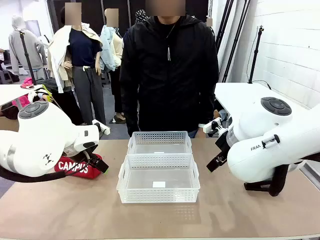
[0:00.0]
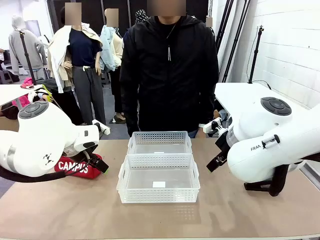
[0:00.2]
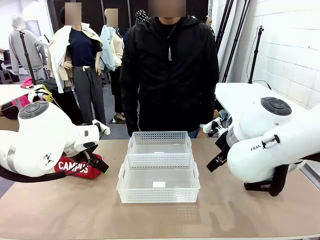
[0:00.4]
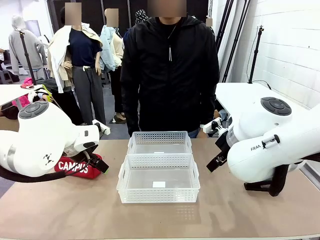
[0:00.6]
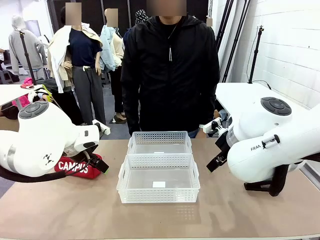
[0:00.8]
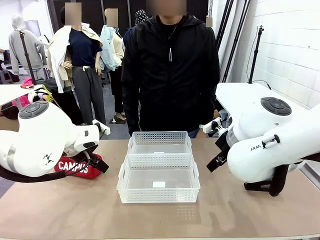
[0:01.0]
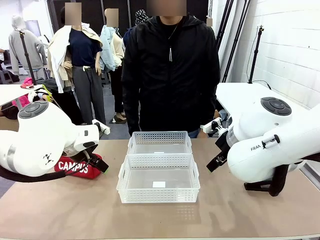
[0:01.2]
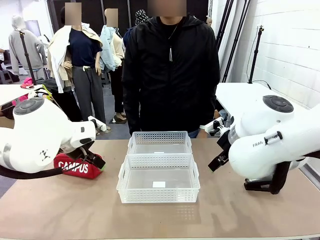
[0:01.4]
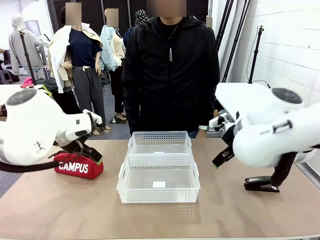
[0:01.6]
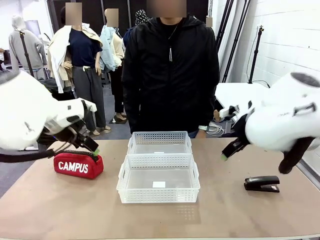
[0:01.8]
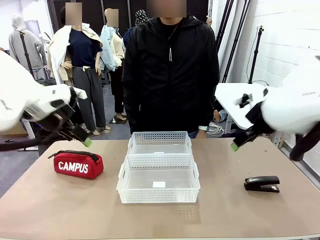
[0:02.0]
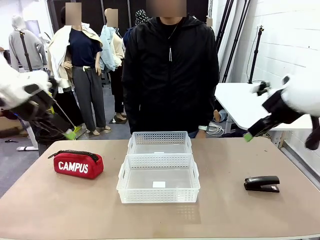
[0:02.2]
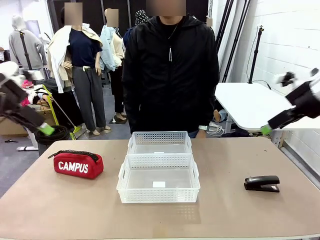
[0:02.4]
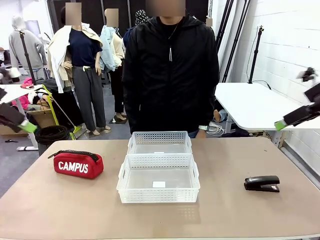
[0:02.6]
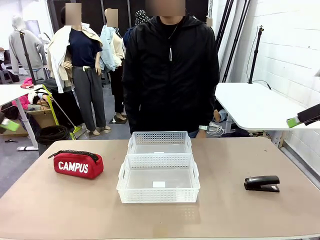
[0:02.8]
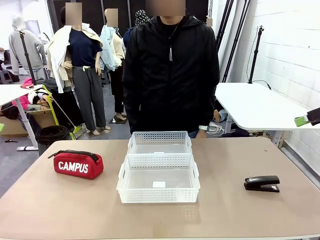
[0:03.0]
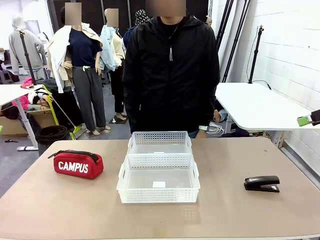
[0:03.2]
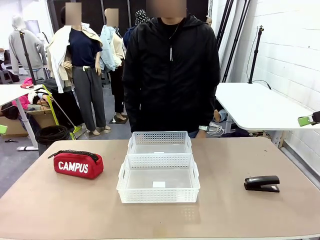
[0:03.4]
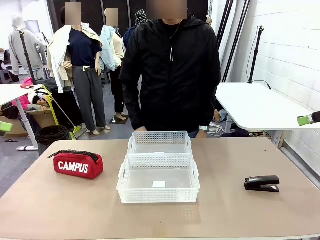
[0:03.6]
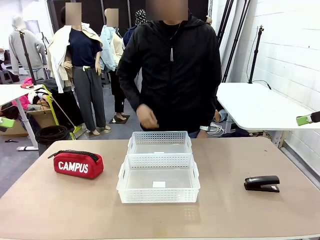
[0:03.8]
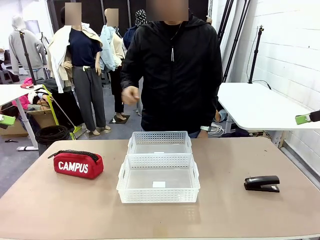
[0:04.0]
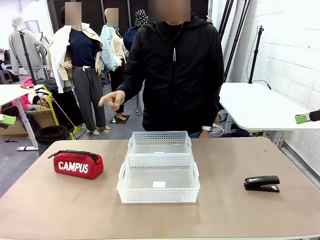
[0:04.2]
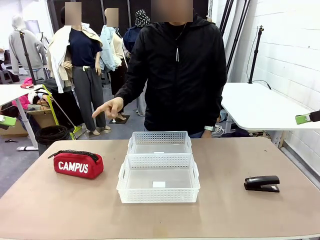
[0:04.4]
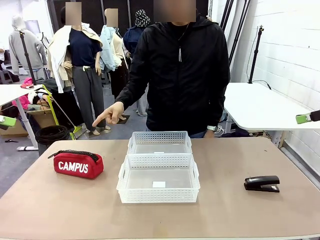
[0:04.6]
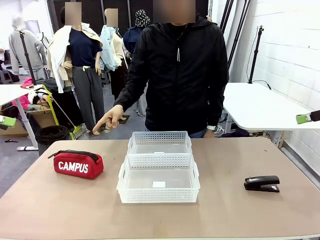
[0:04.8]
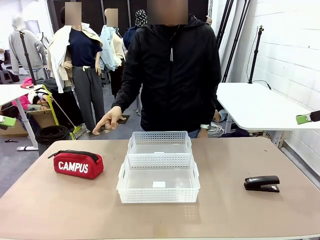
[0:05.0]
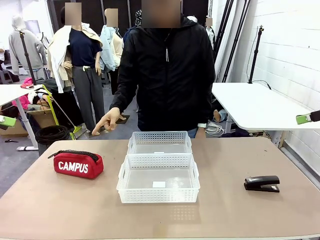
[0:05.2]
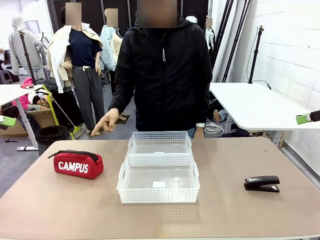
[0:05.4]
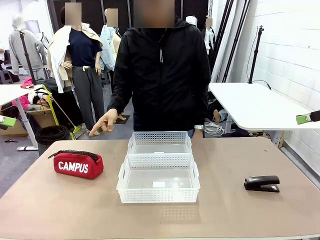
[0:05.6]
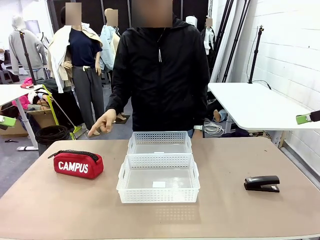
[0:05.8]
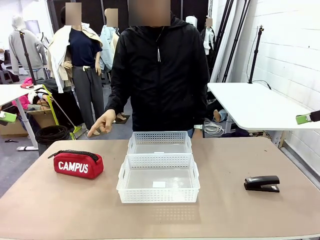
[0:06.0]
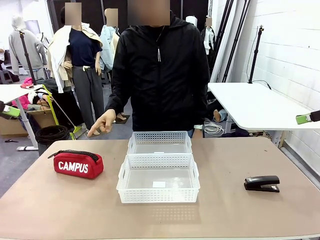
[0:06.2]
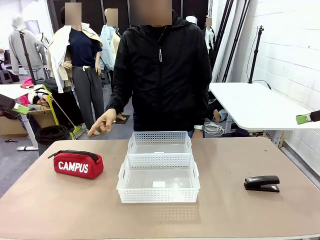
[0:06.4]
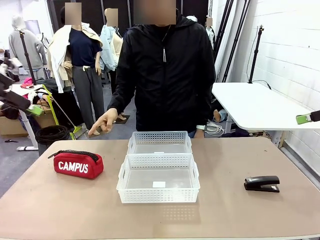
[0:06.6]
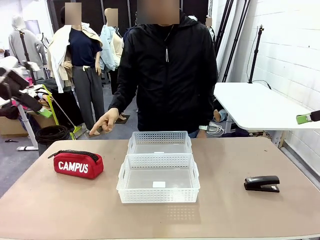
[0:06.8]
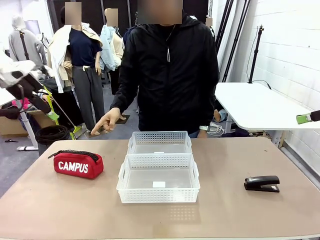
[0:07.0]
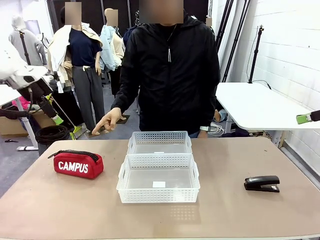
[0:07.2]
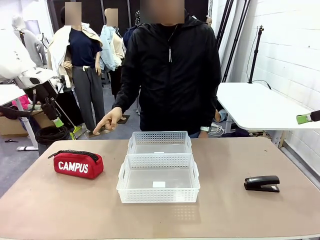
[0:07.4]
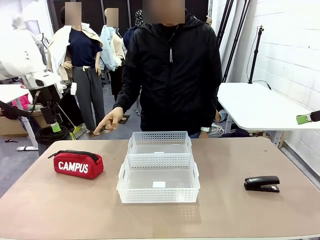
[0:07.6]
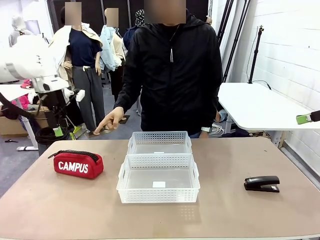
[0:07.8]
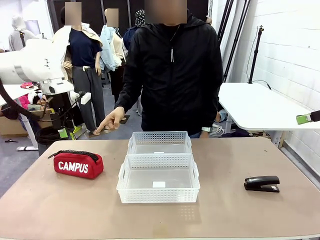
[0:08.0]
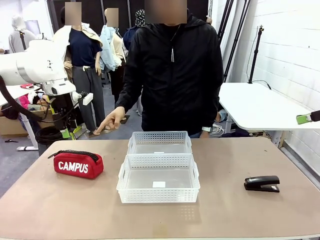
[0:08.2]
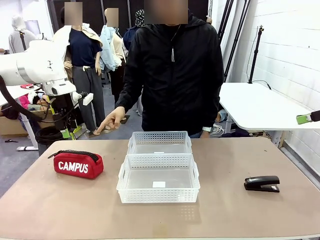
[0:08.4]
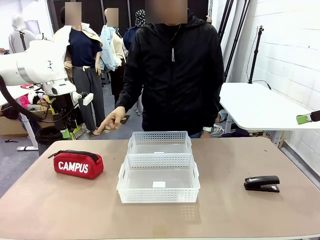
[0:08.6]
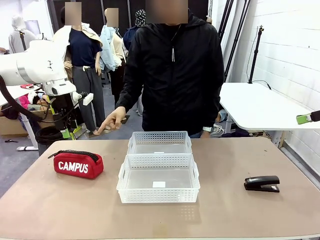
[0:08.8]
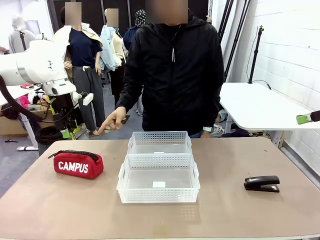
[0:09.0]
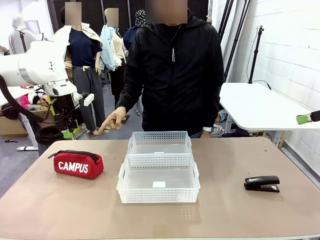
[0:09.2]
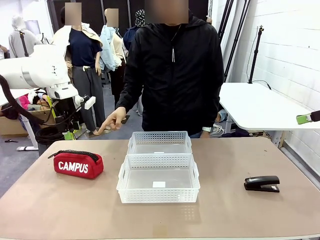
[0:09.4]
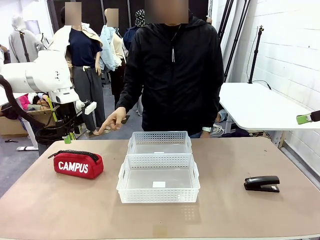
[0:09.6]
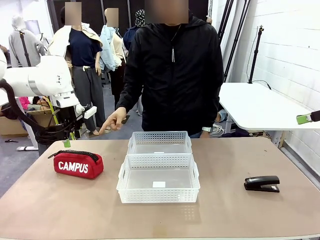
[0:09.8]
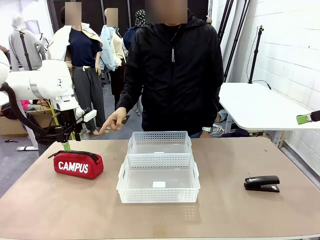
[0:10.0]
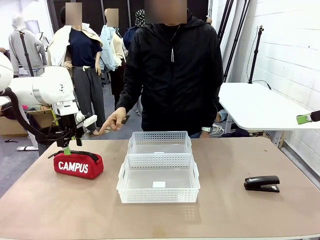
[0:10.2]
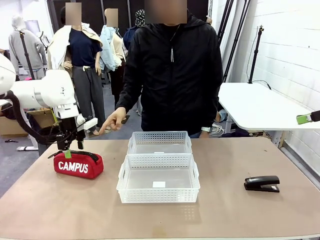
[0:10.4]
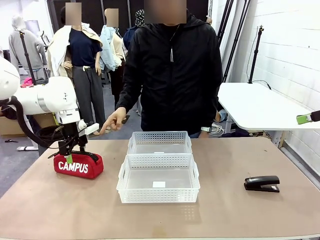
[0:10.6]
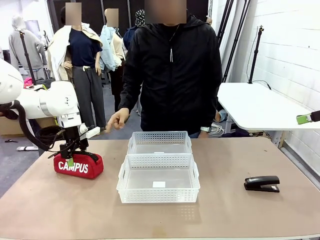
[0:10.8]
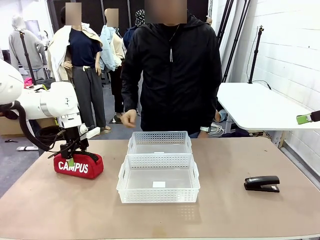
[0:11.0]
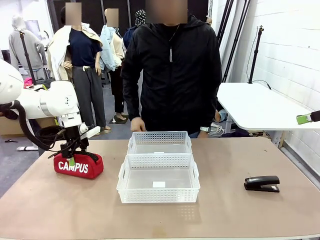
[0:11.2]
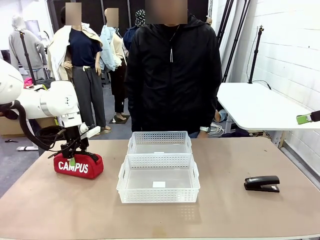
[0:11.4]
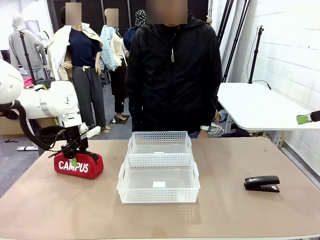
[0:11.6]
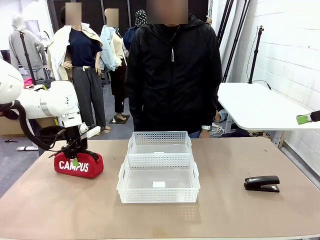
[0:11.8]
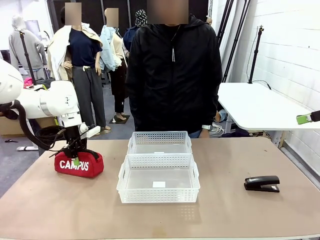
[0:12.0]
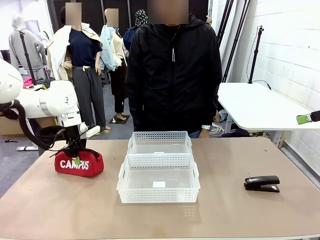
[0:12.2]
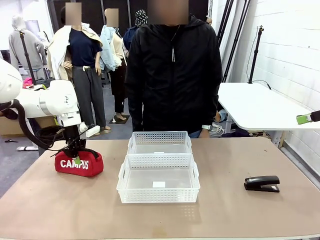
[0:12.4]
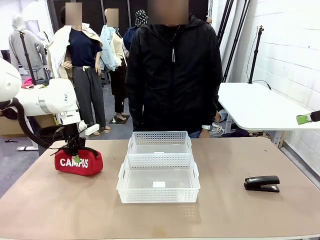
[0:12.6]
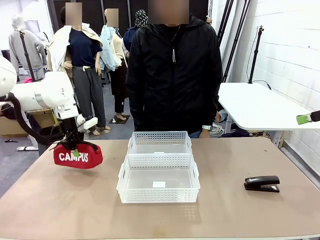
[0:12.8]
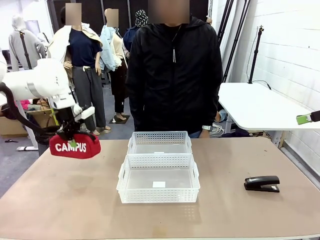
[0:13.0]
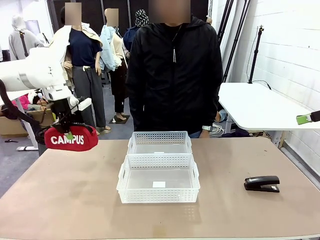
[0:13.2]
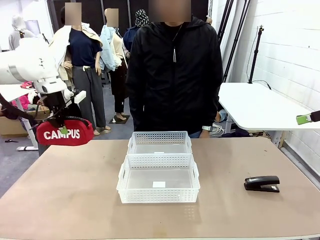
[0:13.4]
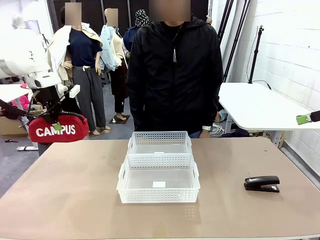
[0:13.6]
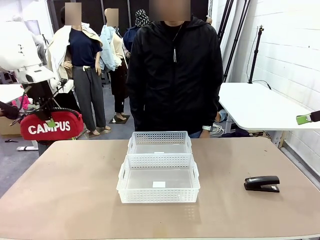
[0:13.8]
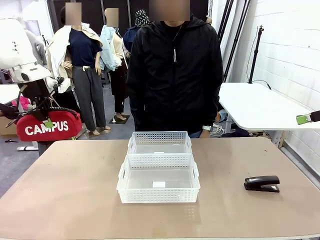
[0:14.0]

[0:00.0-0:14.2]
Task: Distribute items into two baskets.
Robot: Pick up the Pencil pouch that the person points to.
Person: Points to the pencil case. Points between the two organizing baskets and instructs the robot to move the pencil case.

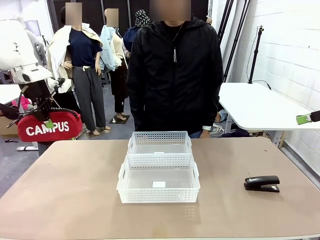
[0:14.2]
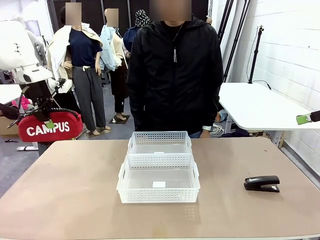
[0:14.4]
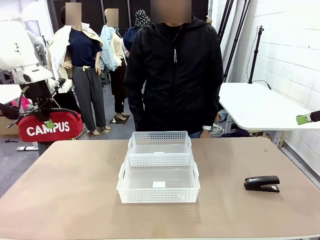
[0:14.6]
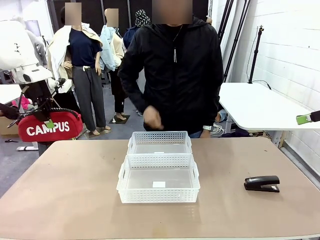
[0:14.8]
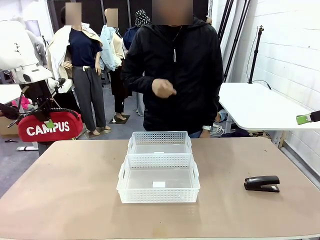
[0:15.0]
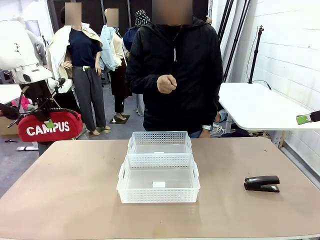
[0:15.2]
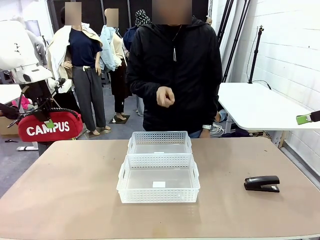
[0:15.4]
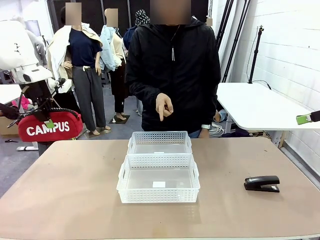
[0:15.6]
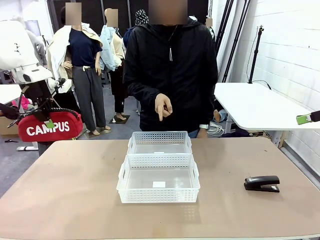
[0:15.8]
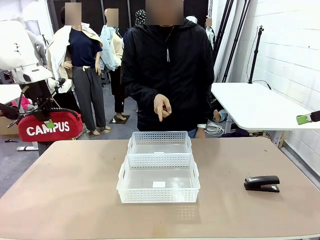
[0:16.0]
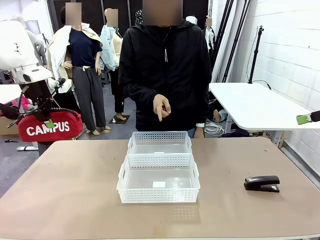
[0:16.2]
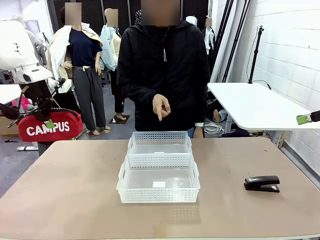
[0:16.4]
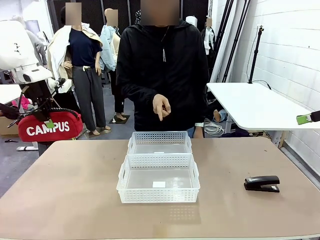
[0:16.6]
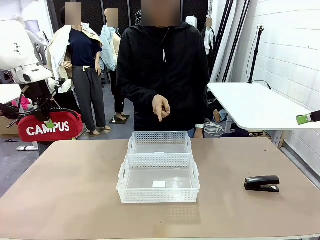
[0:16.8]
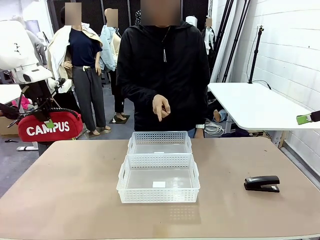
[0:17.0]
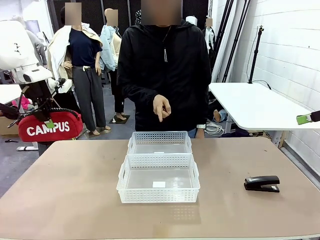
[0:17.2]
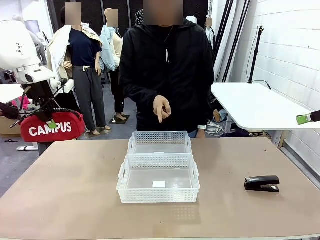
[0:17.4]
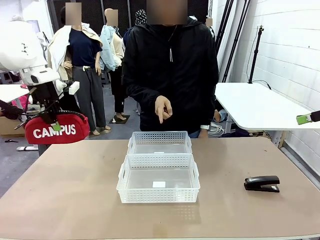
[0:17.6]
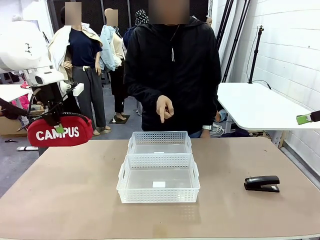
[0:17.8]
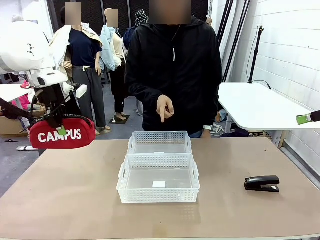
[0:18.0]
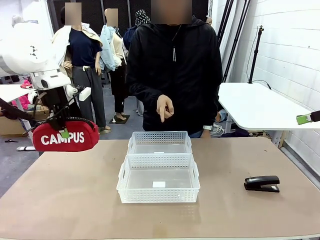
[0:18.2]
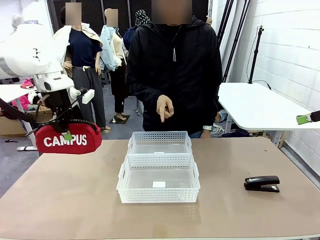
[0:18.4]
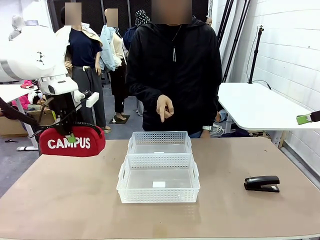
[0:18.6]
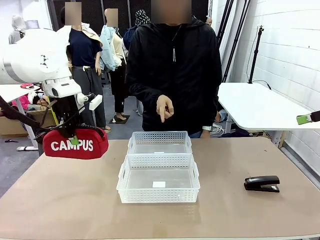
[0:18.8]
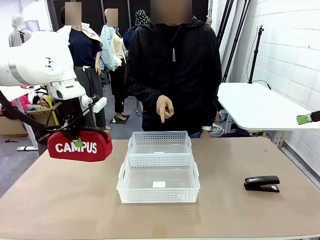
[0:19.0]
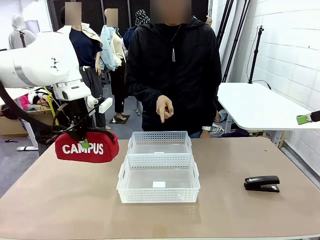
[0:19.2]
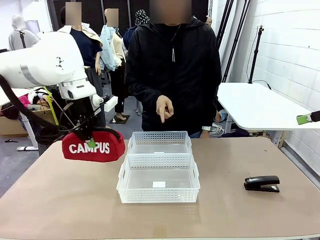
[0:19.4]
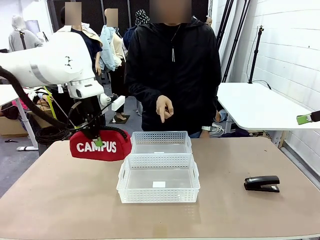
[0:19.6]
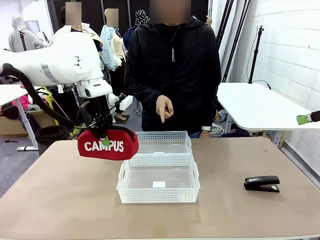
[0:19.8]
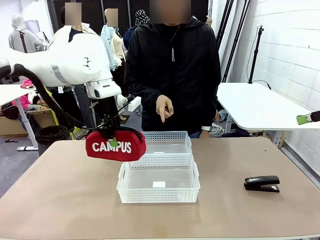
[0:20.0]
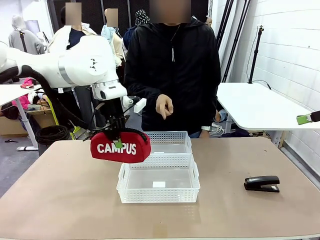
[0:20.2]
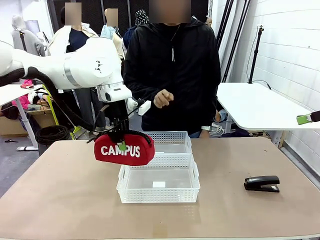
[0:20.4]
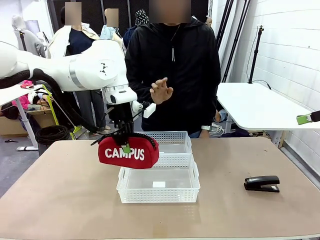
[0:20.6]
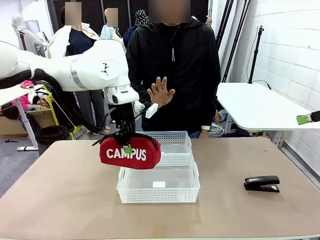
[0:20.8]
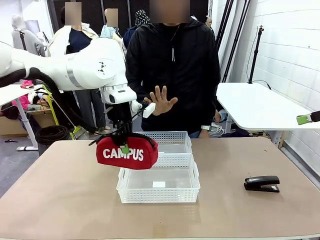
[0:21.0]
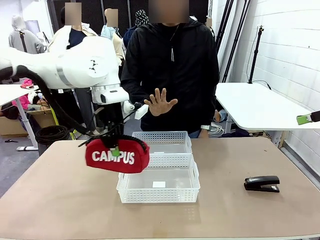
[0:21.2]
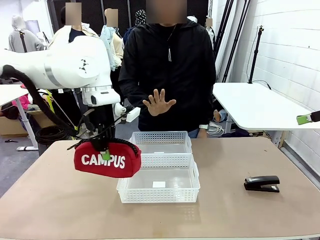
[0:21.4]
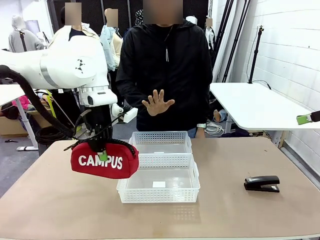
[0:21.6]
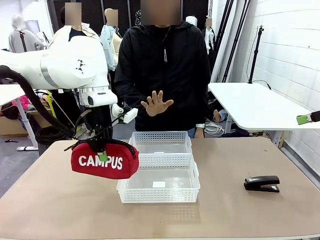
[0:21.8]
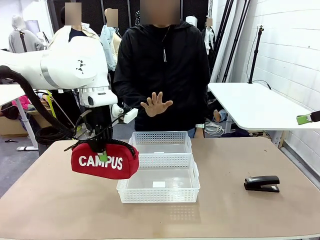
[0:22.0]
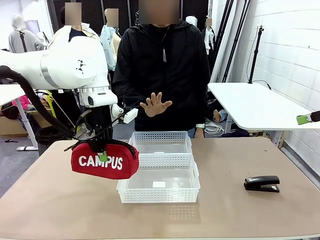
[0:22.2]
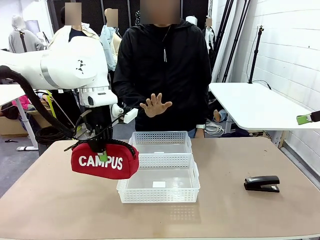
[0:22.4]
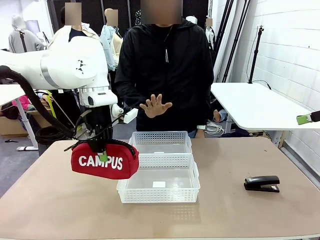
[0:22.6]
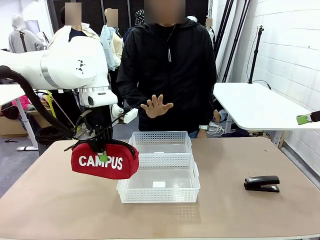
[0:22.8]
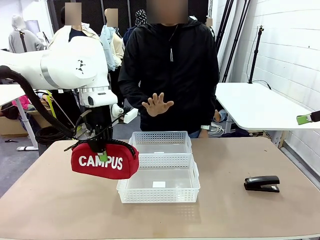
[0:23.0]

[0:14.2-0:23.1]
Robot: Move the picked Pencil pouch towards the Organizing basket indicated by the person, stopping as directed.
Person: Sends a stop gesture before the robot places the pencil case into the basket.
